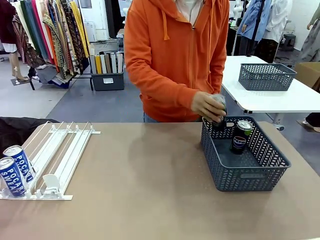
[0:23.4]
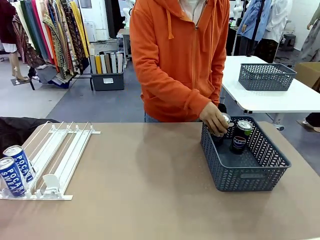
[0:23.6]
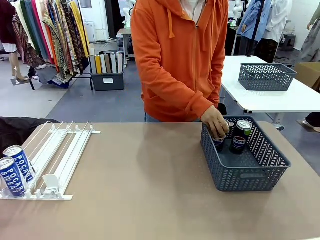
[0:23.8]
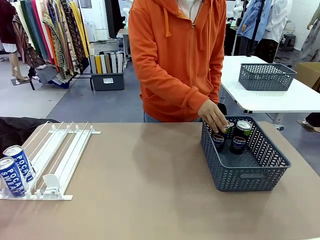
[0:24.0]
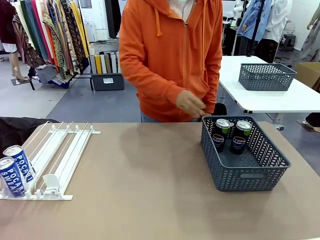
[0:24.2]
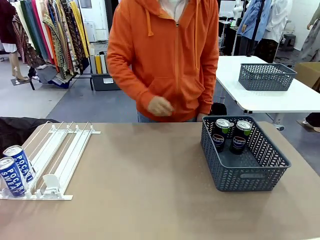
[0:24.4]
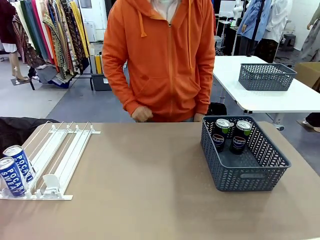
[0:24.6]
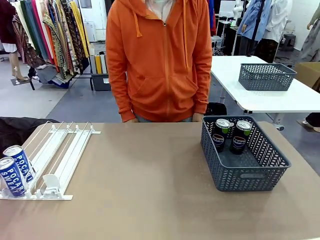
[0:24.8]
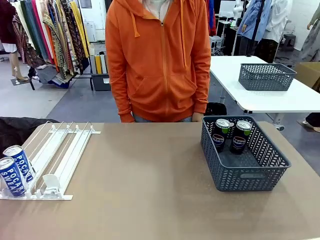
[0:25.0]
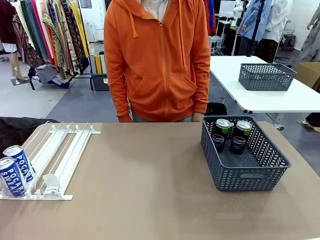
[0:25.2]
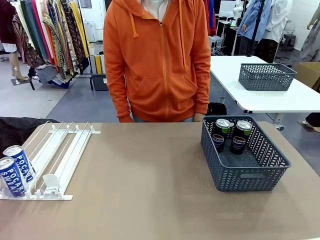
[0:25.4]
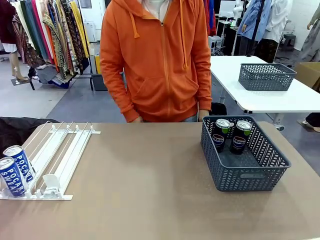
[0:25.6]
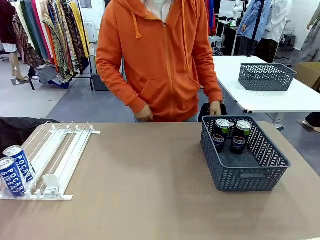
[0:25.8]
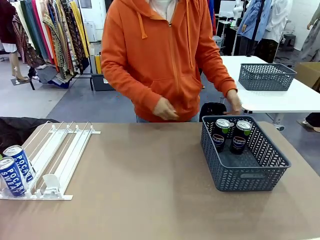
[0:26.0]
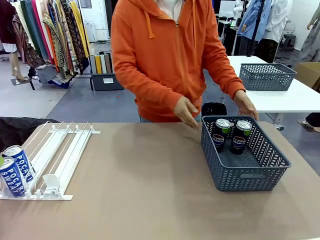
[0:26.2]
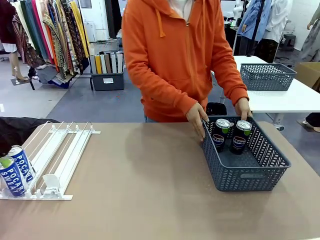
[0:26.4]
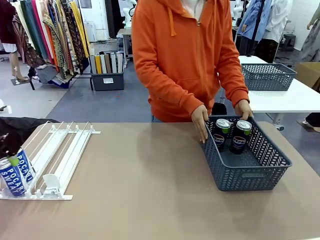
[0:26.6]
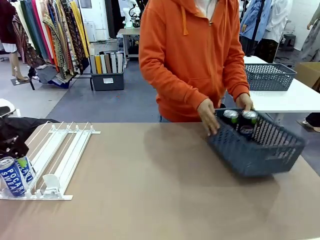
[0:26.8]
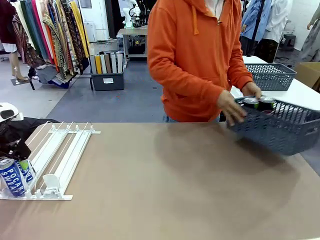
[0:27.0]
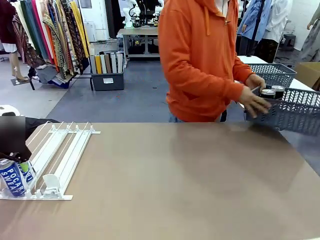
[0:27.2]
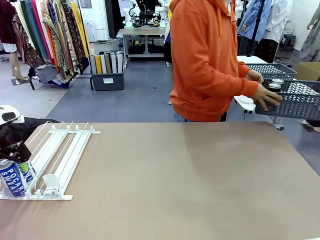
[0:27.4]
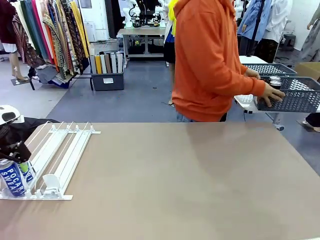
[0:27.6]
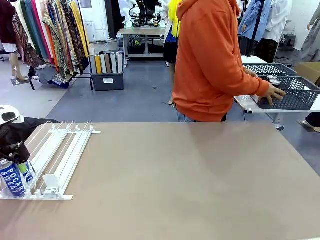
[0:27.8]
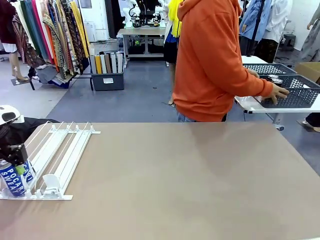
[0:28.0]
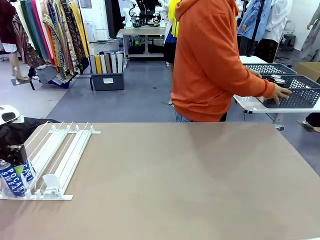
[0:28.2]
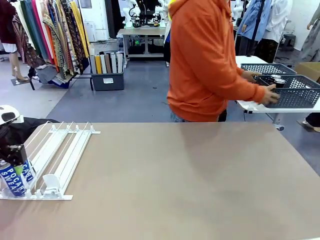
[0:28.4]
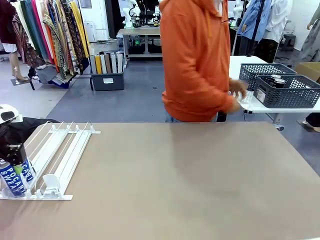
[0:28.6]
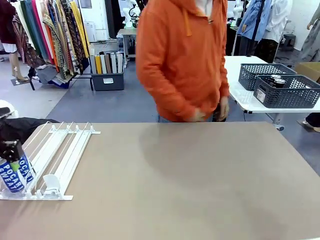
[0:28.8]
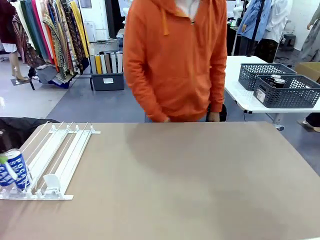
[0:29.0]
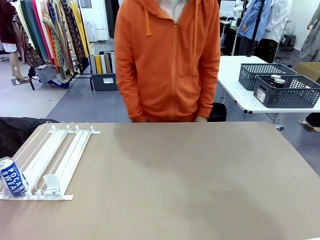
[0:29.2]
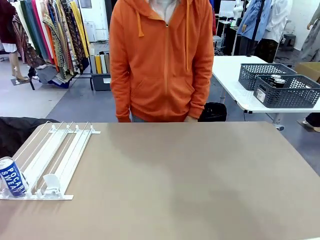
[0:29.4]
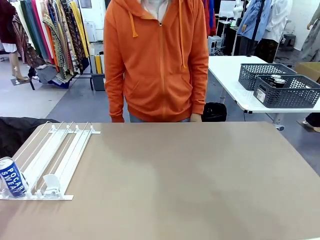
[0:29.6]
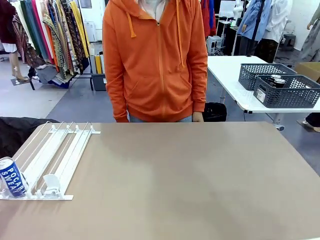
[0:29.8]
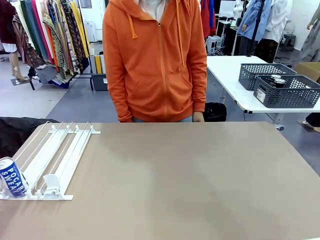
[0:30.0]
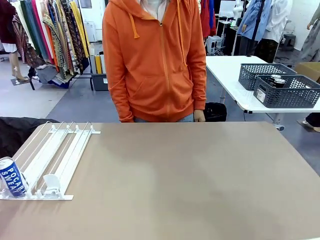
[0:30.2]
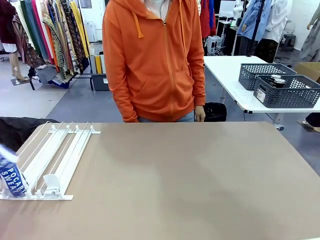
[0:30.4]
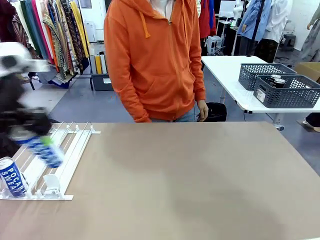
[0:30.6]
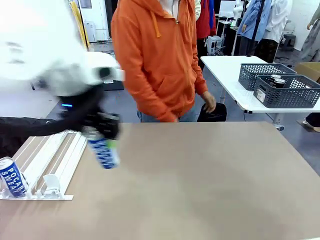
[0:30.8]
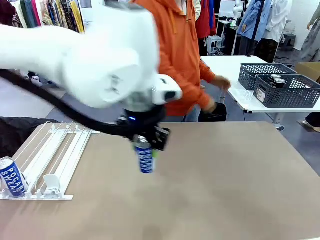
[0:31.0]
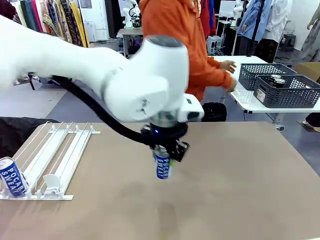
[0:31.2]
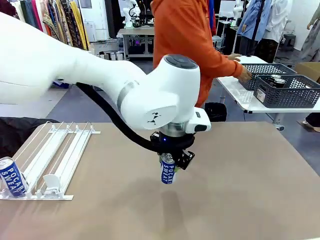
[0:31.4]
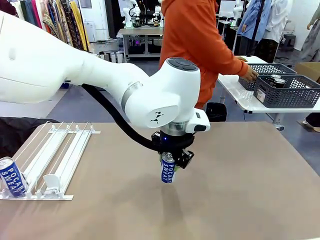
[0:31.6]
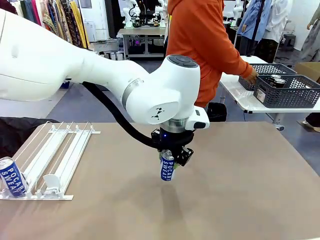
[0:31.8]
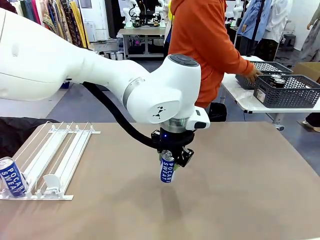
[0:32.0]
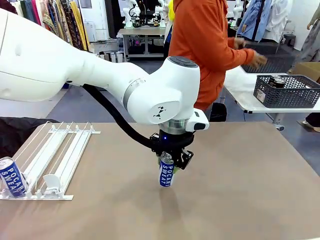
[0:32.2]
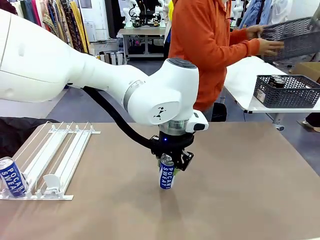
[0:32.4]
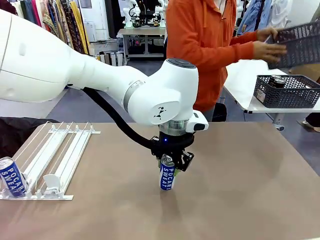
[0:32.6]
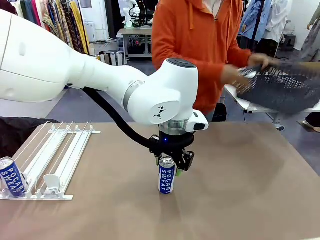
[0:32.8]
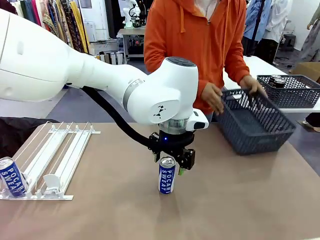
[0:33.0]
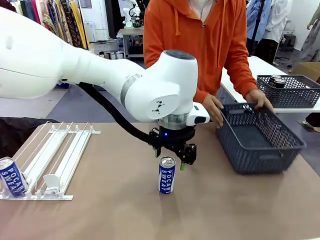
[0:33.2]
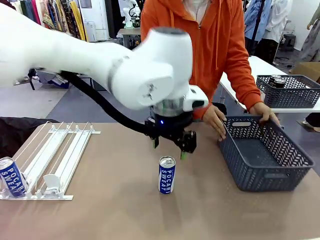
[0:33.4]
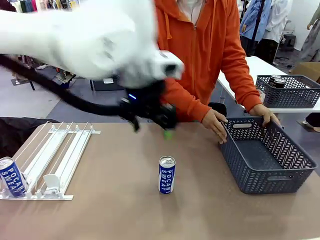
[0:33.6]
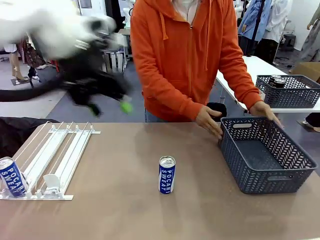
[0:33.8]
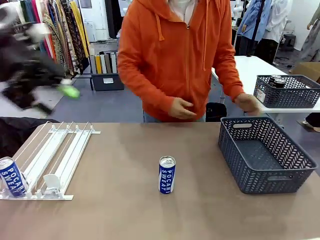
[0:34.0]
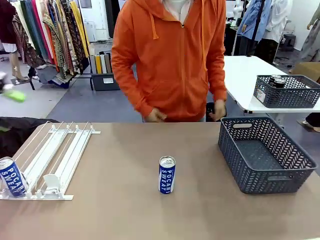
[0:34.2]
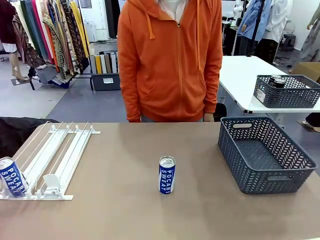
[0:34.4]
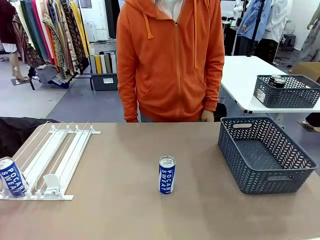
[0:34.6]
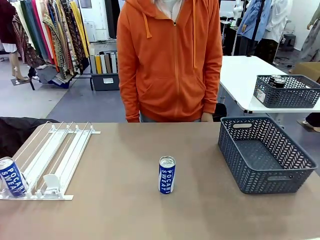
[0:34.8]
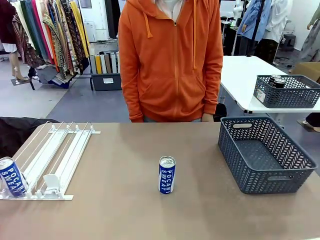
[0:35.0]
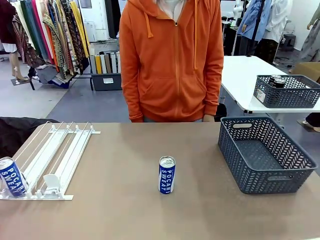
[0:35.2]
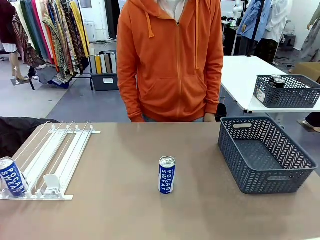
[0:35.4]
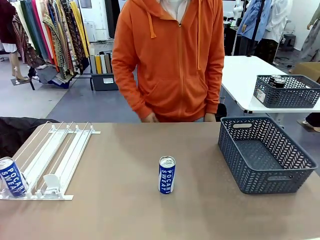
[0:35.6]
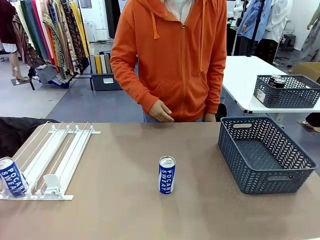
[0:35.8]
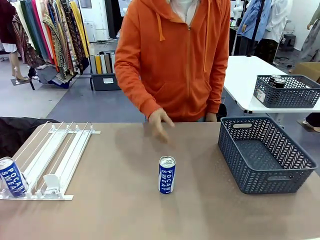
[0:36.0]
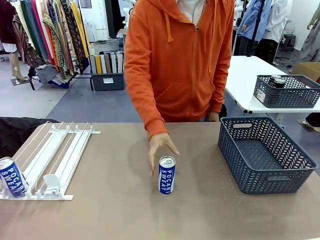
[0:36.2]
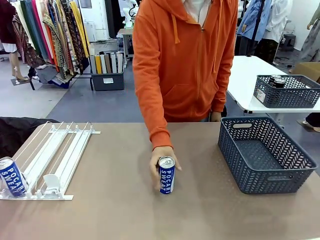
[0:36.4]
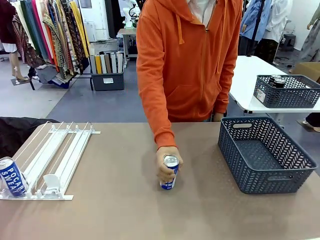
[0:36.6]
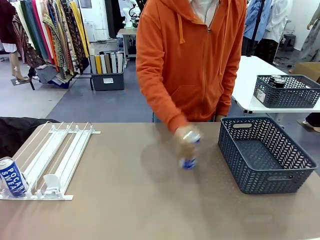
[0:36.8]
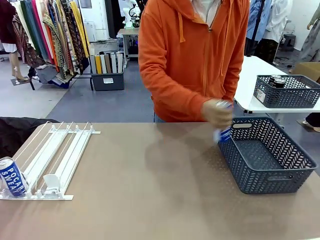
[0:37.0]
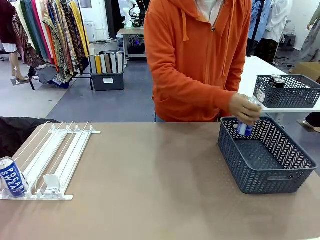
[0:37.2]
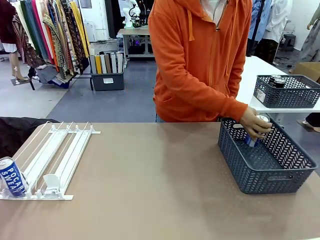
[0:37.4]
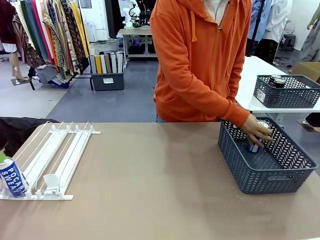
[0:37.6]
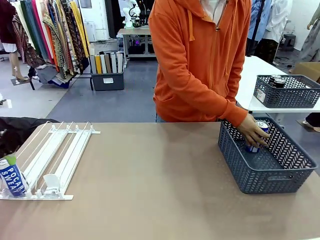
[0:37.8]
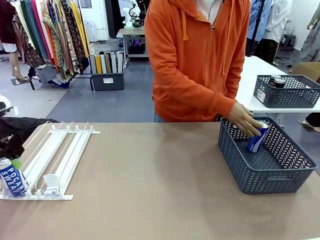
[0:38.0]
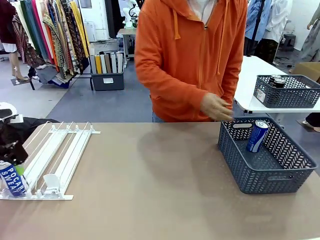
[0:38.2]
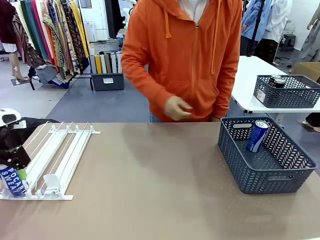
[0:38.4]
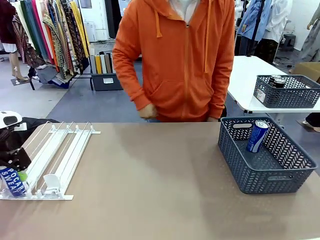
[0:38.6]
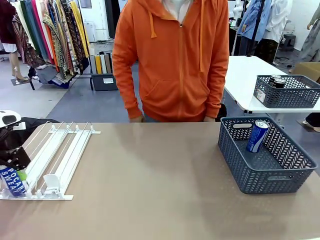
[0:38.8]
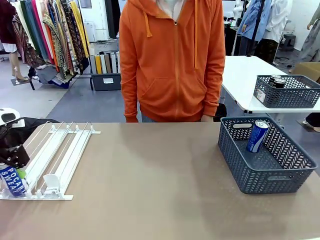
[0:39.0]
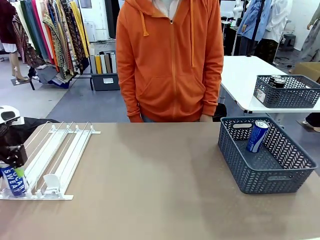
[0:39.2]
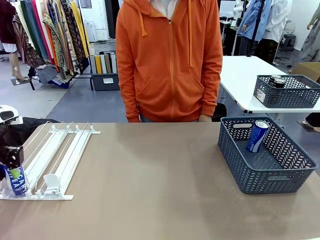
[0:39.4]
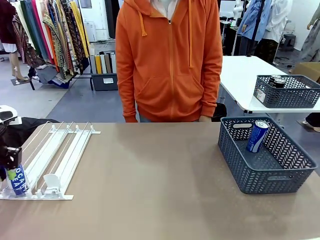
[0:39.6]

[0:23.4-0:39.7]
Task: Retrieve and store the cans from the dispenser.
Robot: Pick up one can from the Automatic Can Dispenser and place it in the middle of the table.
Person: Pick up the basket and place it in the middle of the human table. Pick up the empty basket and place it on the left side of the robot table.
